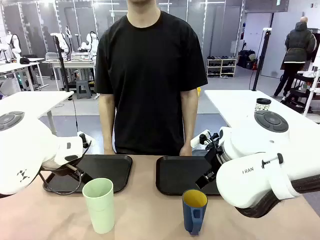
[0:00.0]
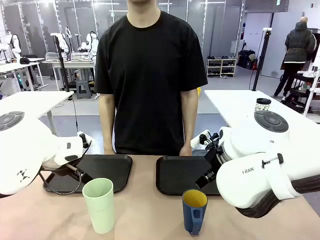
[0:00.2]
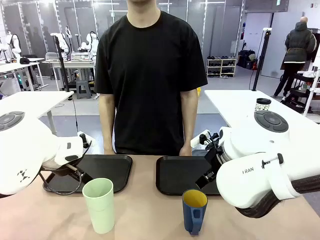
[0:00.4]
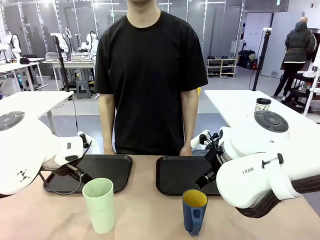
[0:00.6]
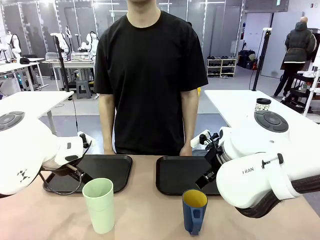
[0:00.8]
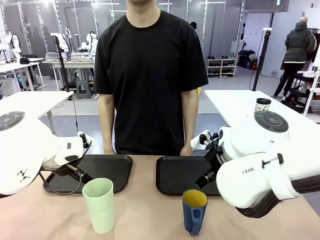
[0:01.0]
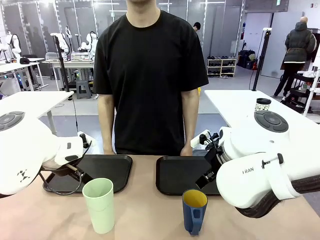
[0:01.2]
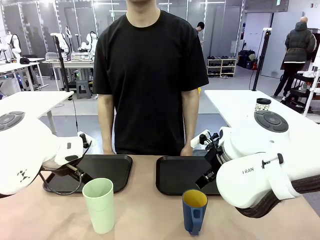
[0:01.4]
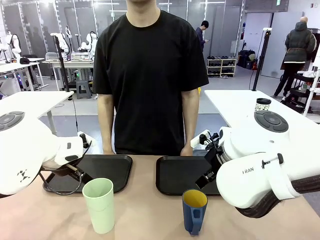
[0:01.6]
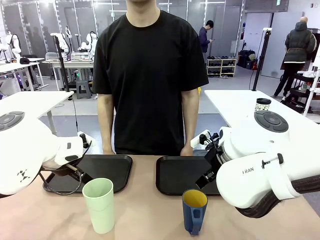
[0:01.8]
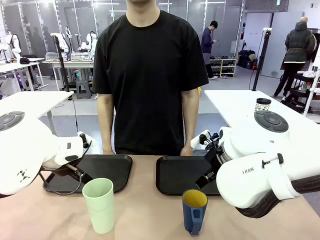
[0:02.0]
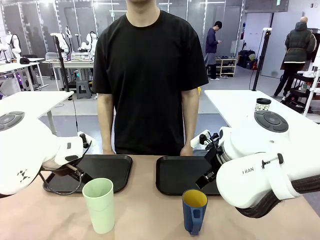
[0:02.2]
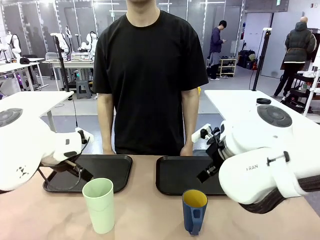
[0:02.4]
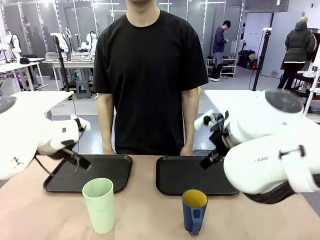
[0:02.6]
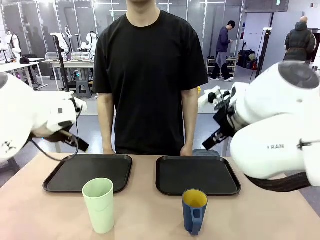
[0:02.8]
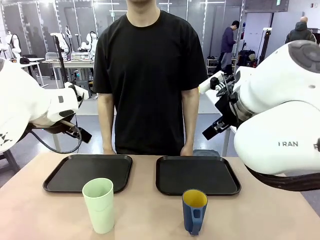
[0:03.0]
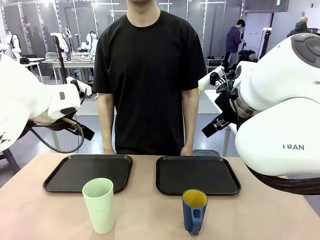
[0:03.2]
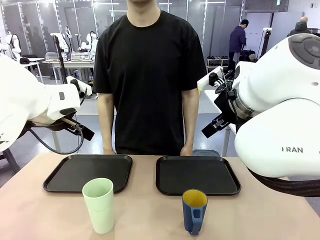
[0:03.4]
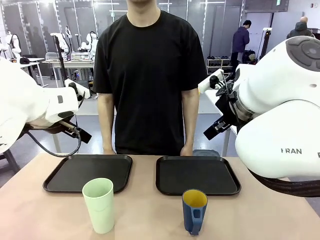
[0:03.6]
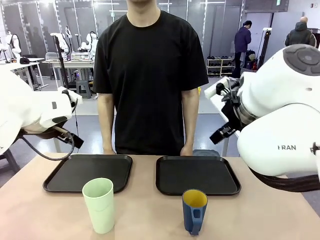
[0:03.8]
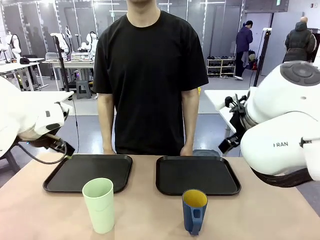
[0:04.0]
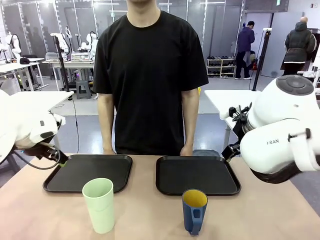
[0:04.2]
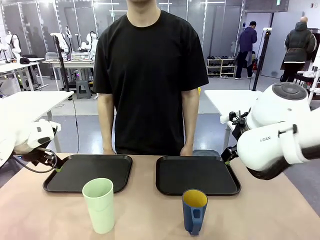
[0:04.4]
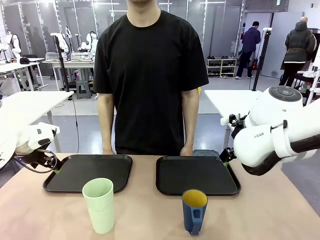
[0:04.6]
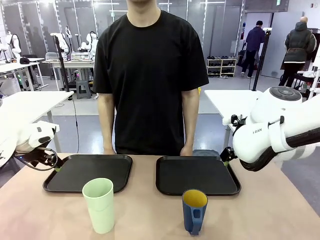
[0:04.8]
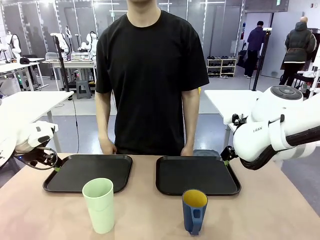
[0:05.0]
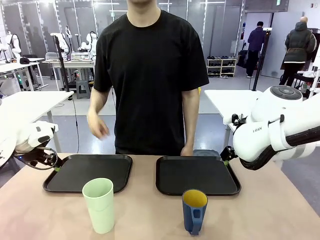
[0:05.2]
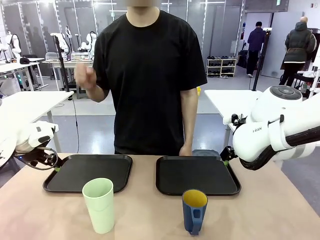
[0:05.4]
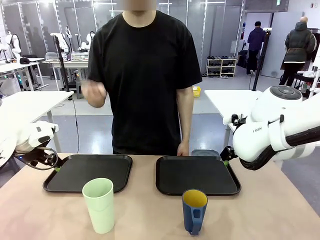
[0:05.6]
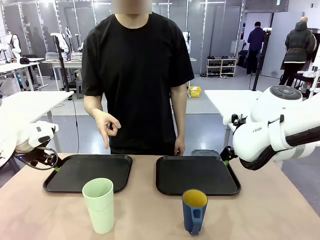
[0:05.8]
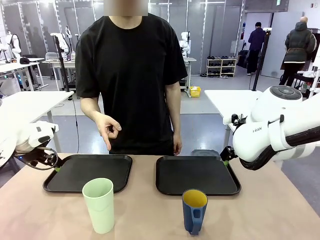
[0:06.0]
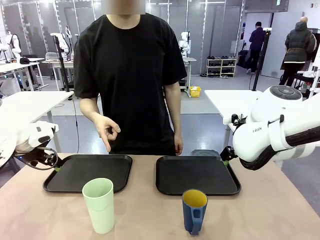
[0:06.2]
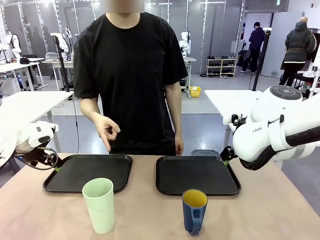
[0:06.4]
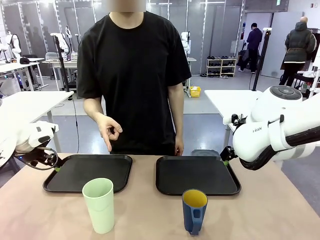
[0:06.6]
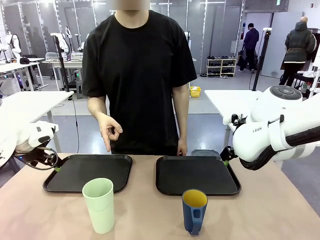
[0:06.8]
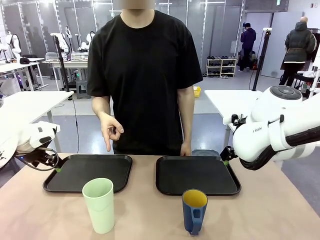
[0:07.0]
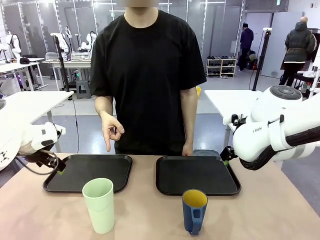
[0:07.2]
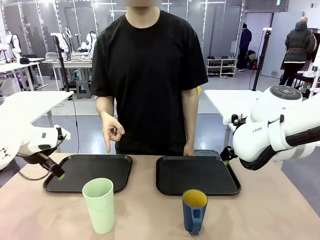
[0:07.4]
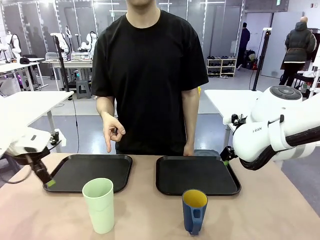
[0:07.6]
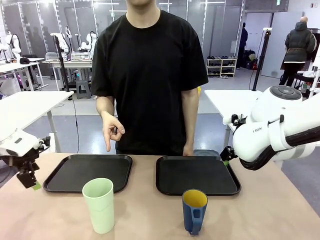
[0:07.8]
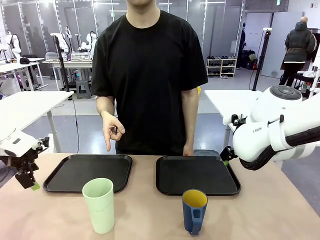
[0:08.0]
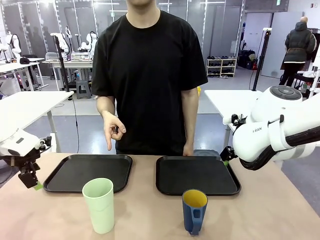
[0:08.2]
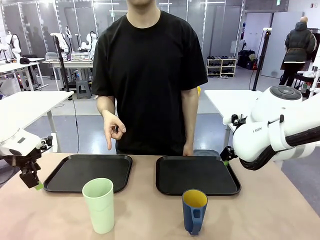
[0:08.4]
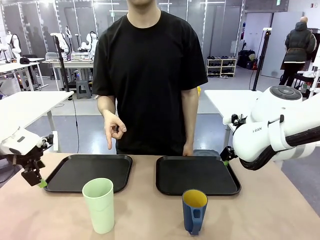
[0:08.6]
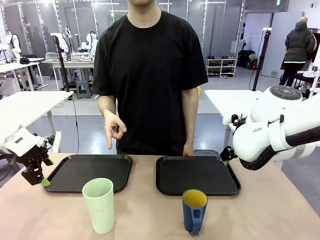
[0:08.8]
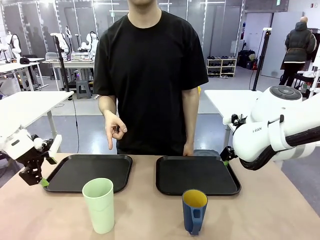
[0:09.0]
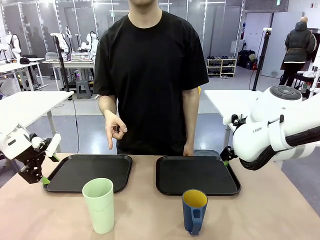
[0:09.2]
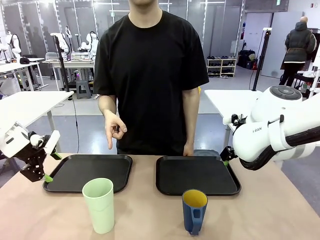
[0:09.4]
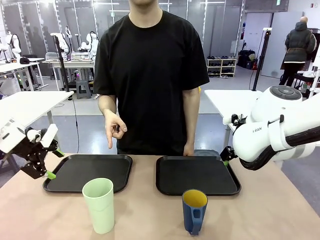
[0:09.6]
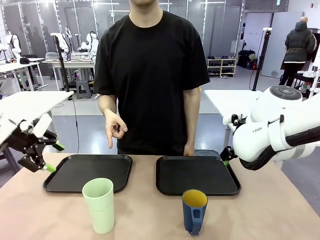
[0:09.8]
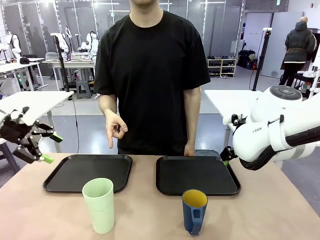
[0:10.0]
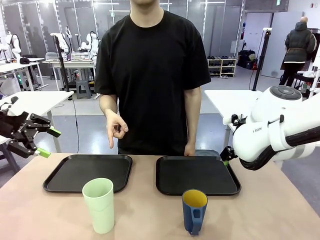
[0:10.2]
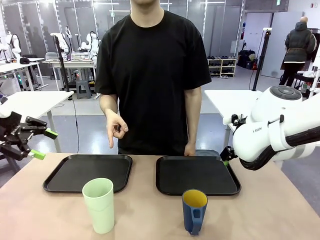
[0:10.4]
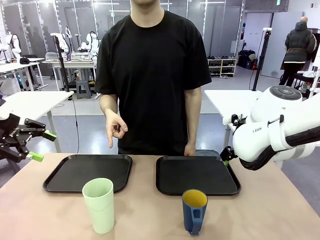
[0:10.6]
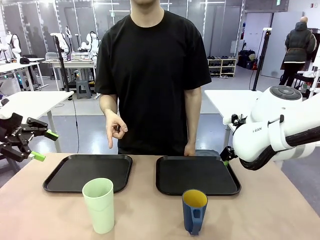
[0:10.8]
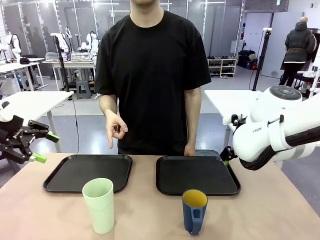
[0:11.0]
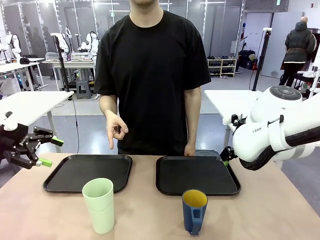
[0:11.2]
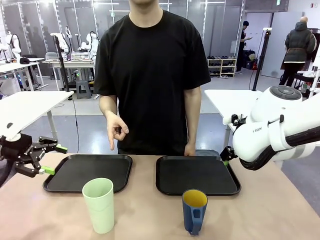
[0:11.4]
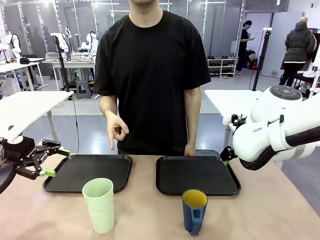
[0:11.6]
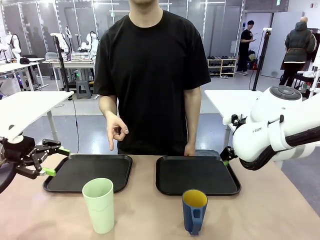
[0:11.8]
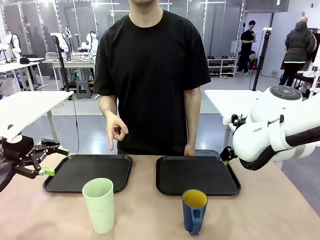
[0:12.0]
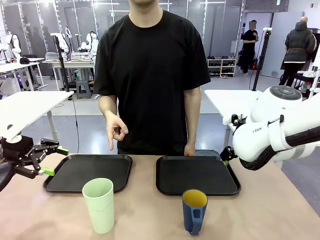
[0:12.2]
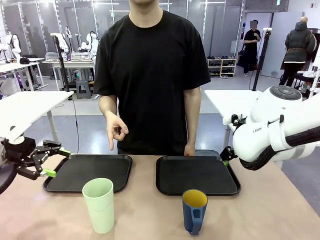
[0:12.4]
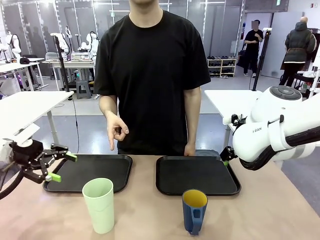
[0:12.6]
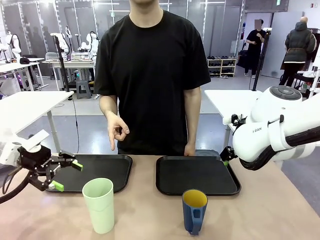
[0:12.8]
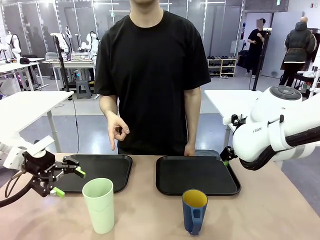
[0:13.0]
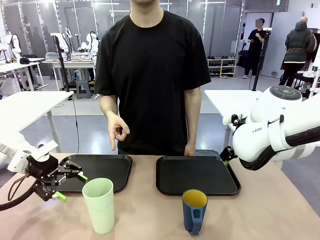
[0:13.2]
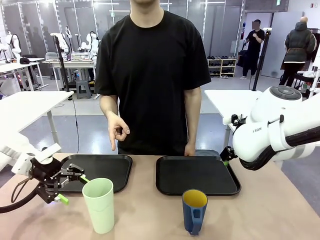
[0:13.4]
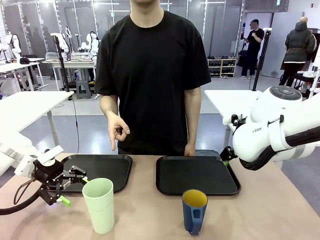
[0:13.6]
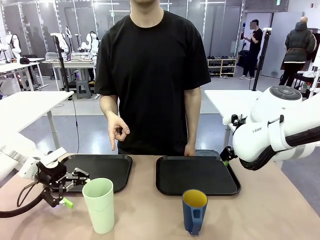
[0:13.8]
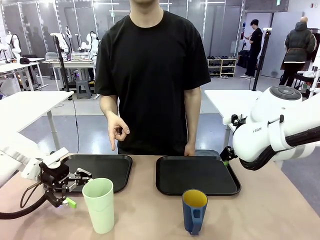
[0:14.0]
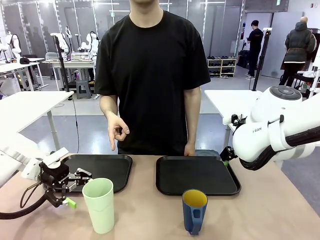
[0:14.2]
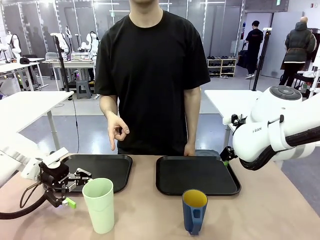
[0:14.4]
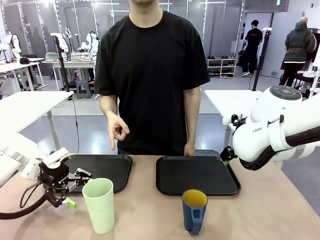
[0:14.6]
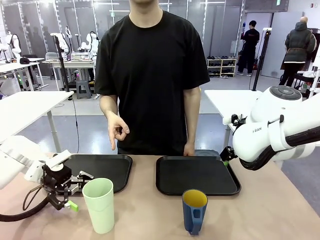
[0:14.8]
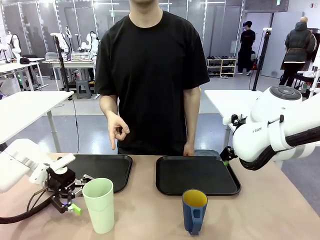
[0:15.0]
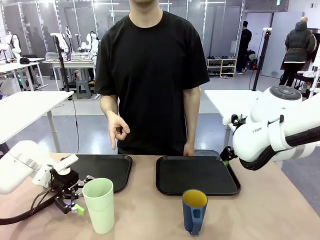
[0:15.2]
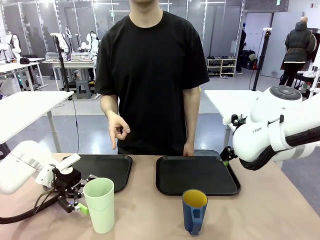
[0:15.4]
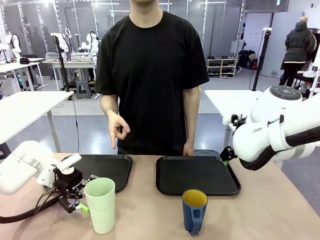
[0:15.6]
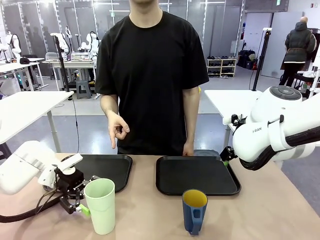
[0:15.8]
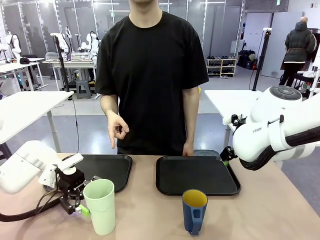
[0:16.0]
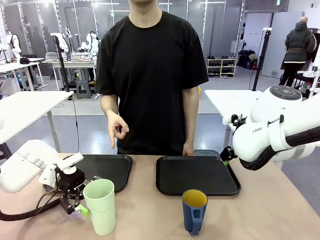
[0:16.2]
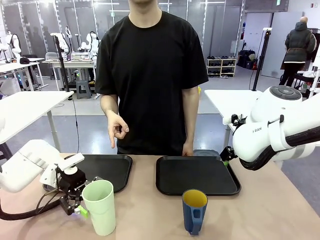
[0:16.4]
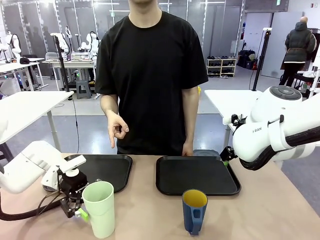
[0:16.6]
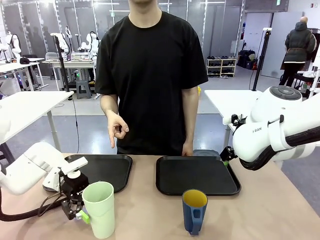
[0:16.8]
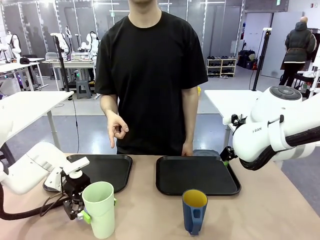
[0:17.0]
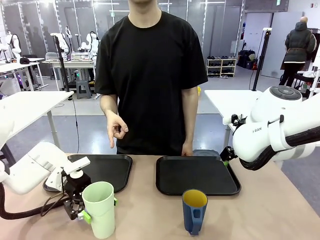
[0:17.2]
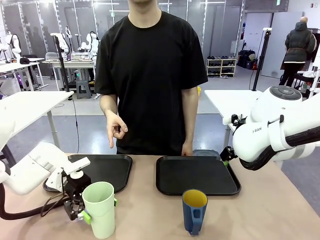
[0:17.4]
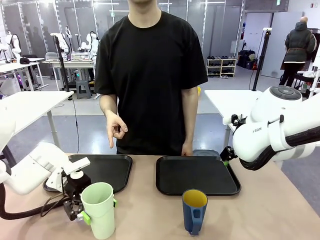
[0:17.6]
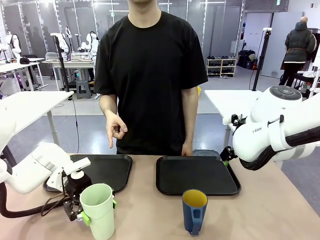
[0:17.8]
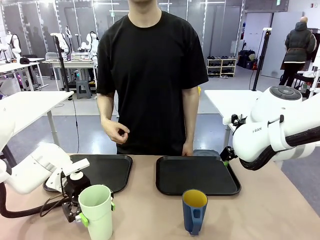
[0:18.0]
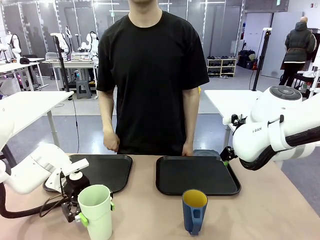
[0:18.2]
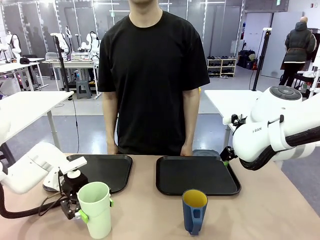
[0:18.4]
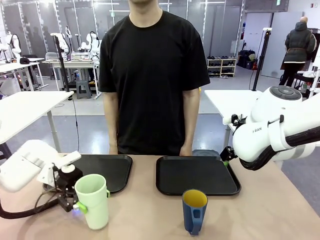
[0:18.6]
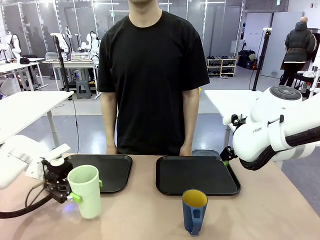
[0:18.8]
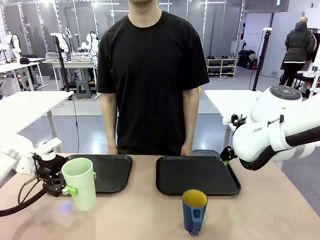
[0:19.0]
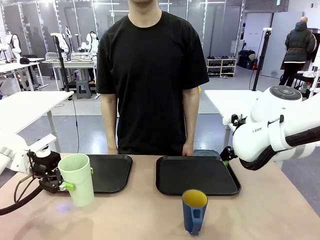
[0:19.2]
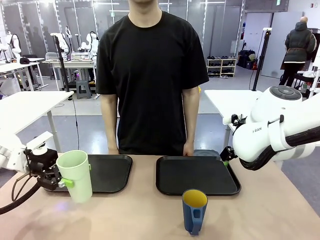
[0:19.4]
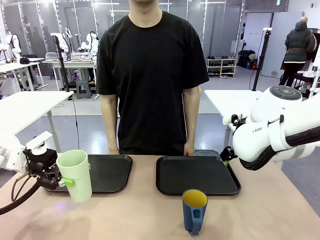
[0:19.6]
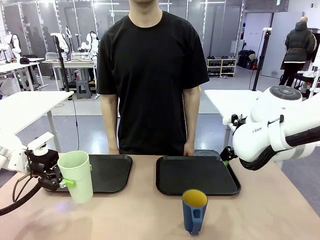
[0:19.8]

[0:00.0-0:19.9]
Task: Sort and store the cups by type.
Robot: Pick up the Reusable plastic cup.
Person: Points to the reusable cup. Point to one of the two trays.
